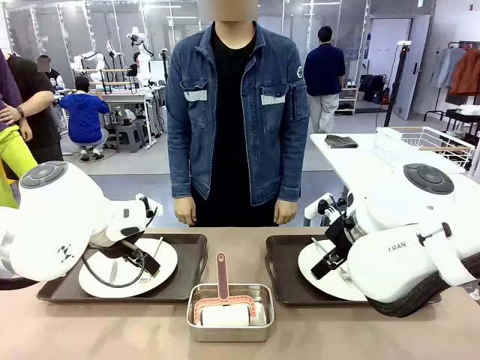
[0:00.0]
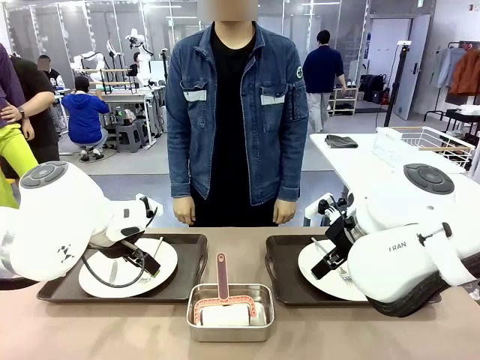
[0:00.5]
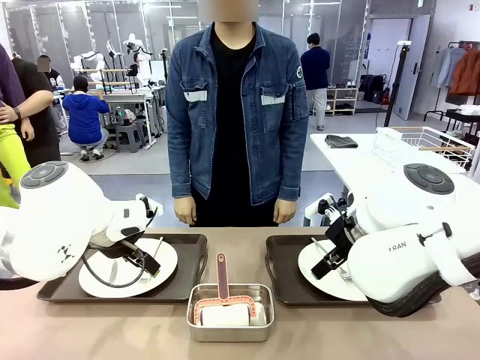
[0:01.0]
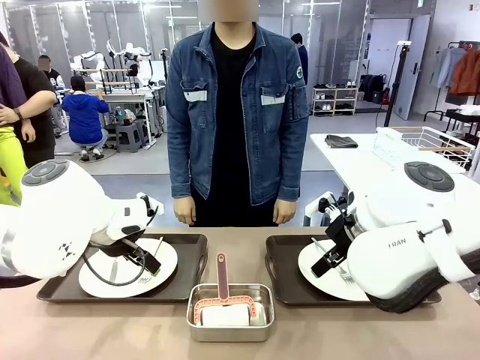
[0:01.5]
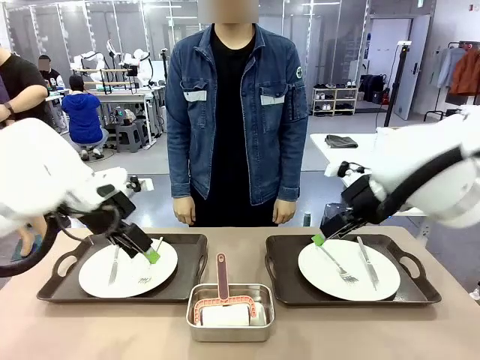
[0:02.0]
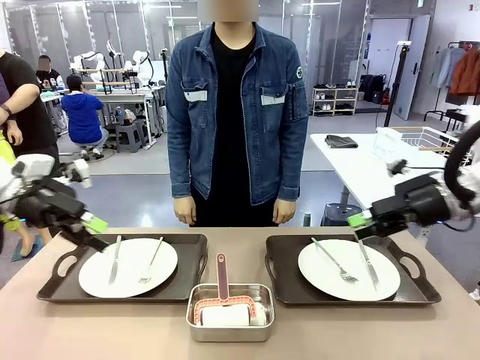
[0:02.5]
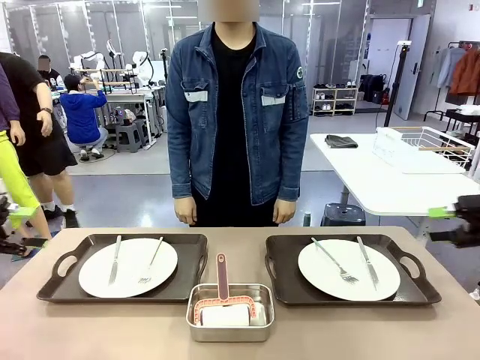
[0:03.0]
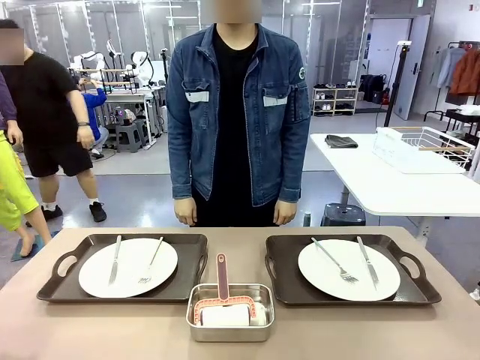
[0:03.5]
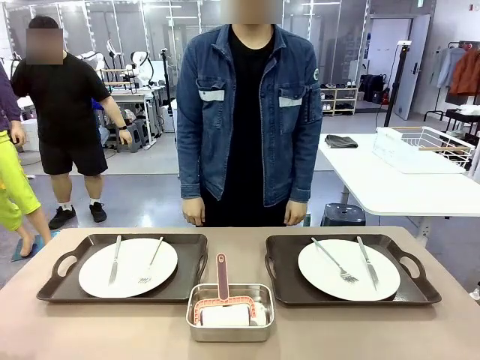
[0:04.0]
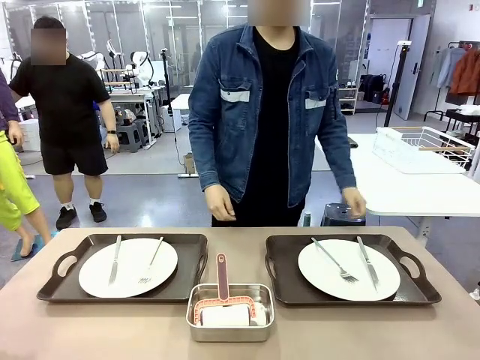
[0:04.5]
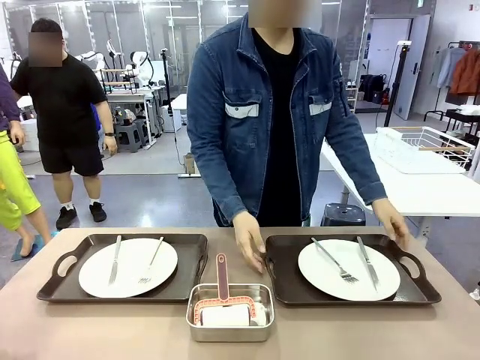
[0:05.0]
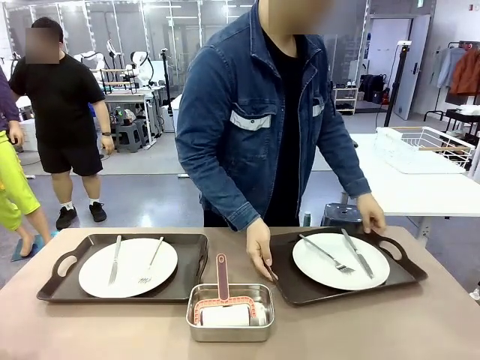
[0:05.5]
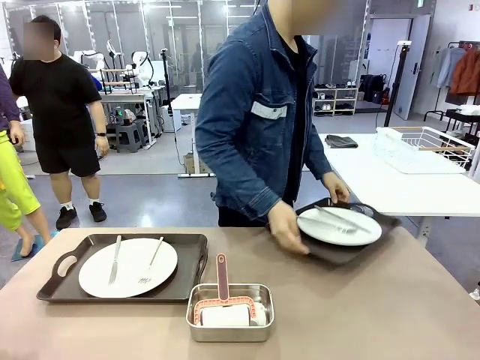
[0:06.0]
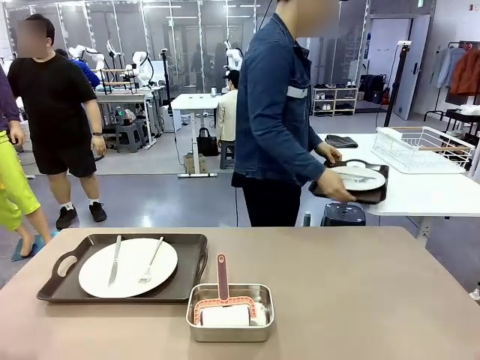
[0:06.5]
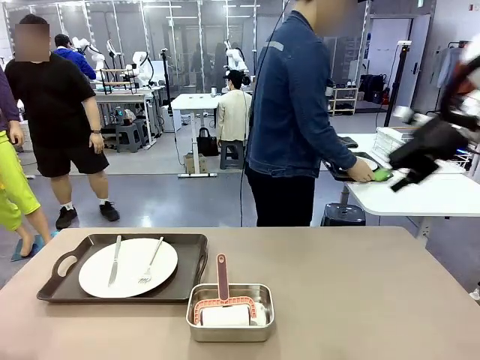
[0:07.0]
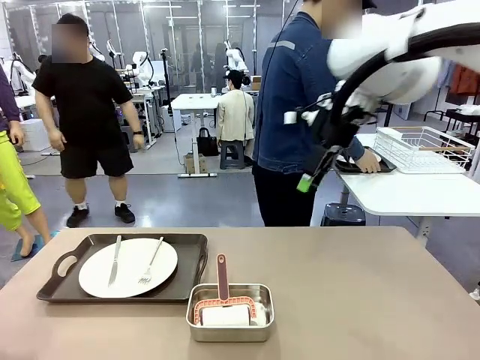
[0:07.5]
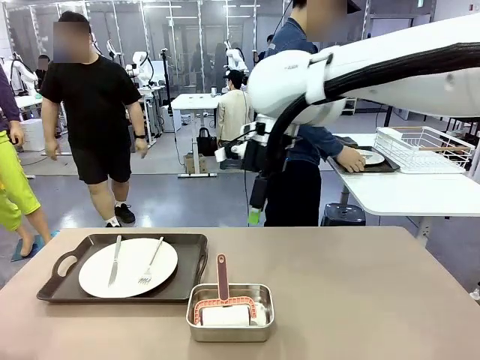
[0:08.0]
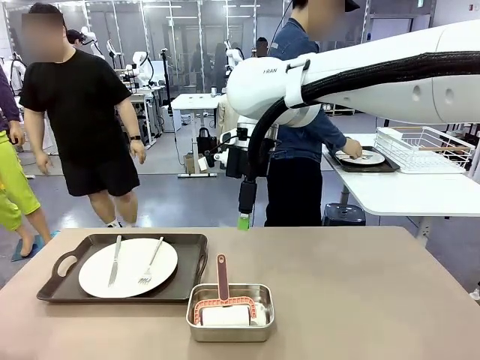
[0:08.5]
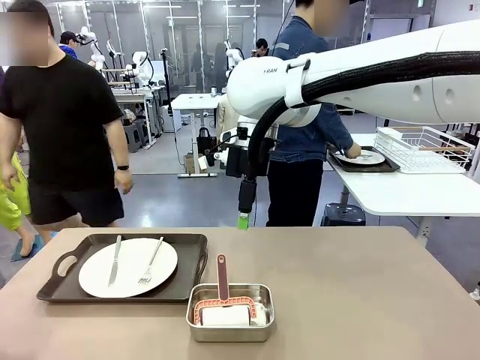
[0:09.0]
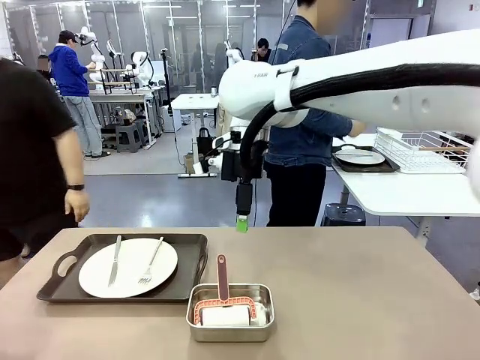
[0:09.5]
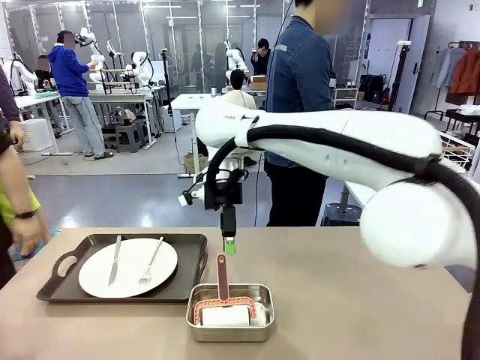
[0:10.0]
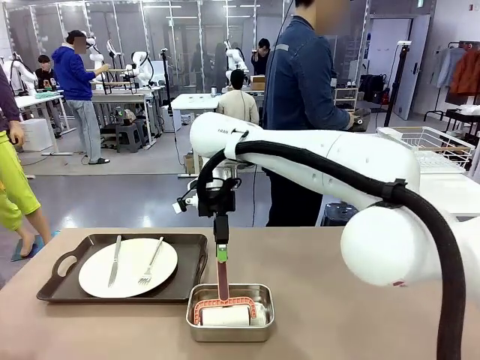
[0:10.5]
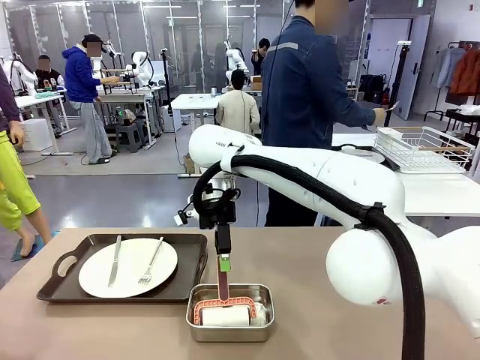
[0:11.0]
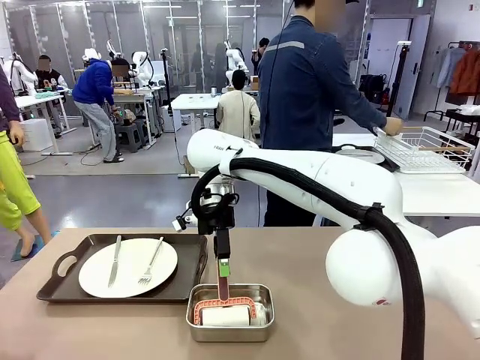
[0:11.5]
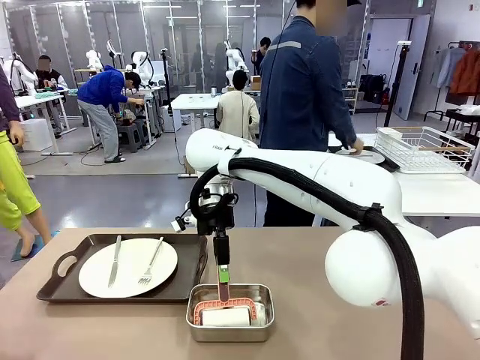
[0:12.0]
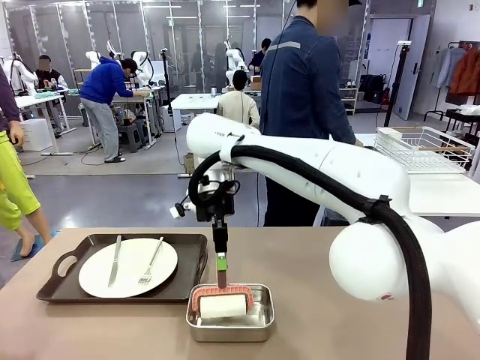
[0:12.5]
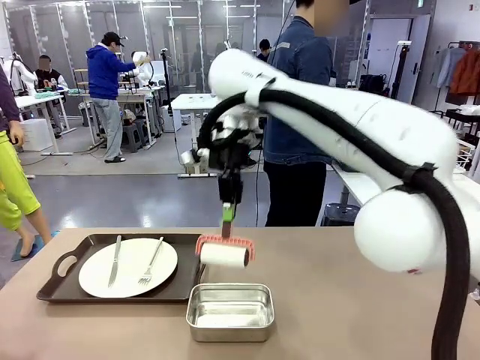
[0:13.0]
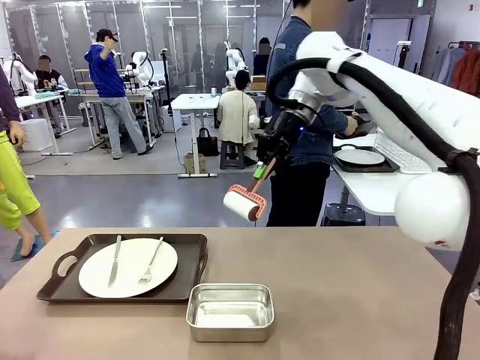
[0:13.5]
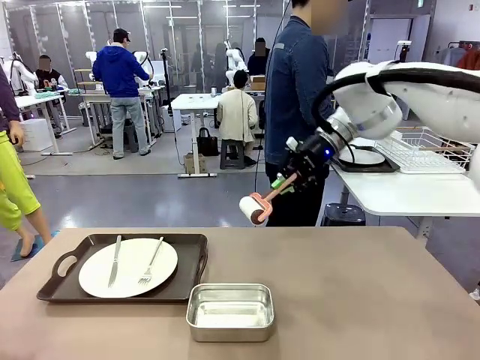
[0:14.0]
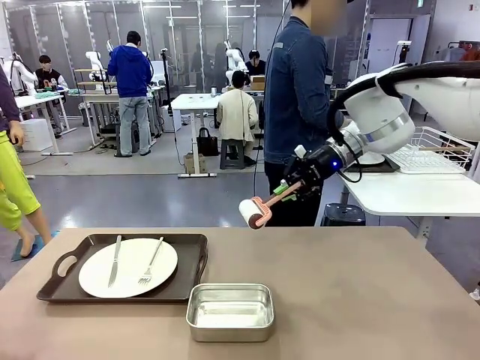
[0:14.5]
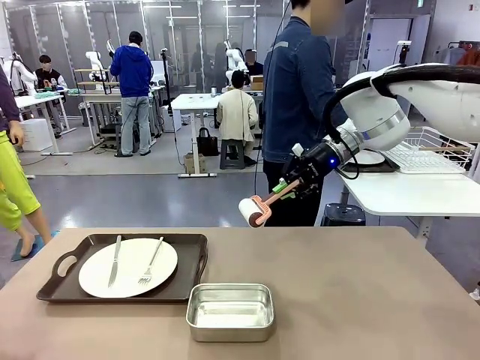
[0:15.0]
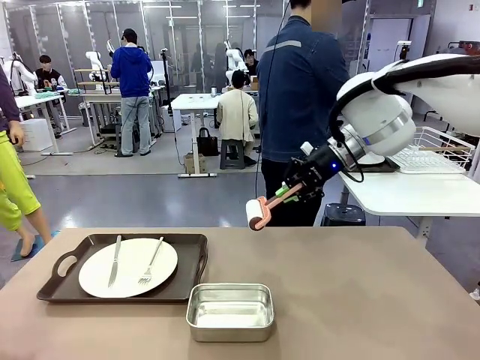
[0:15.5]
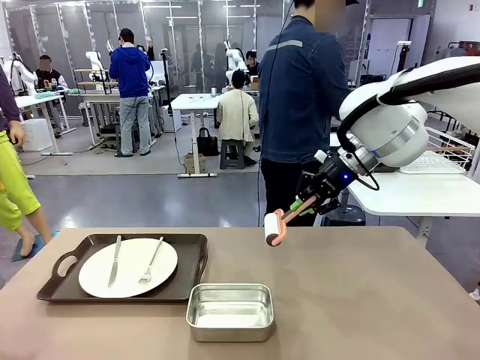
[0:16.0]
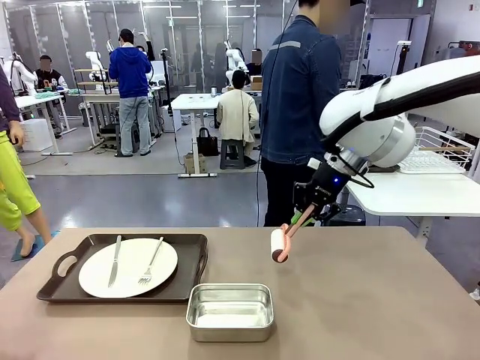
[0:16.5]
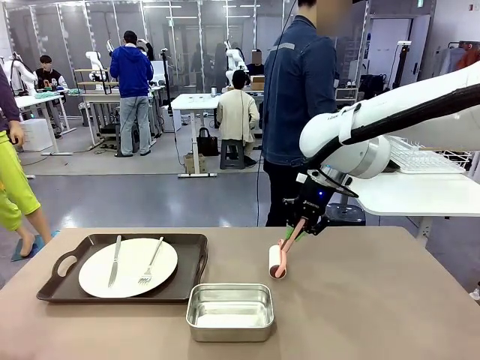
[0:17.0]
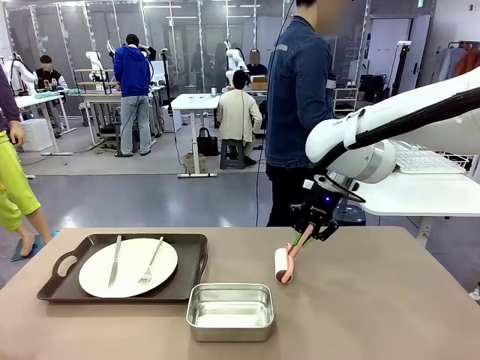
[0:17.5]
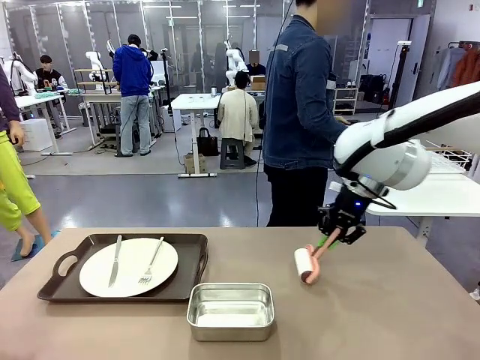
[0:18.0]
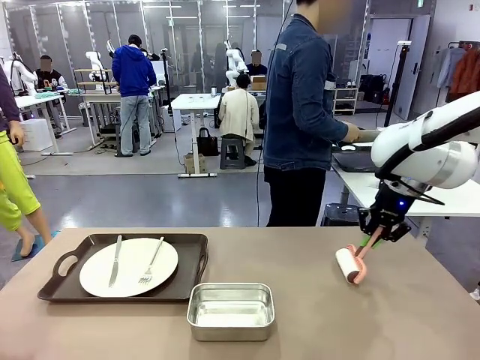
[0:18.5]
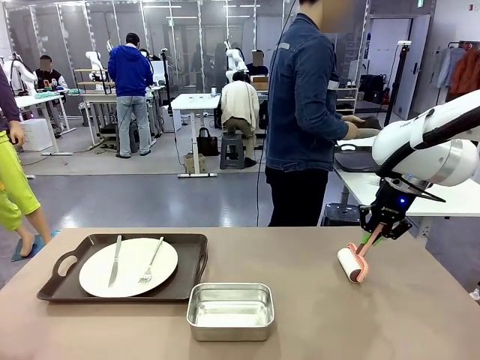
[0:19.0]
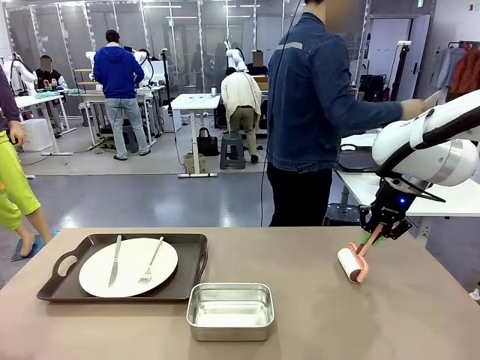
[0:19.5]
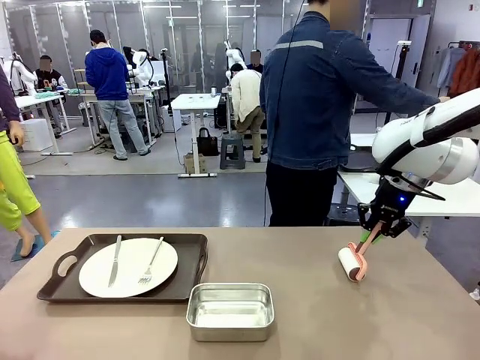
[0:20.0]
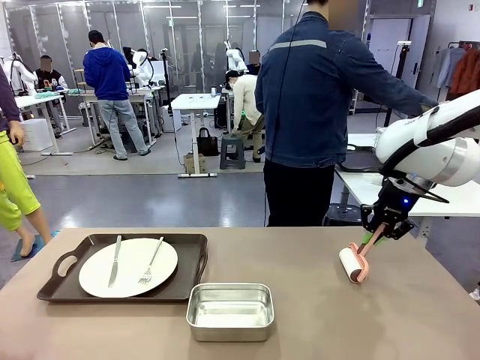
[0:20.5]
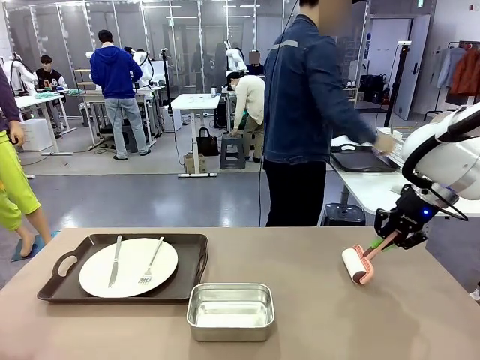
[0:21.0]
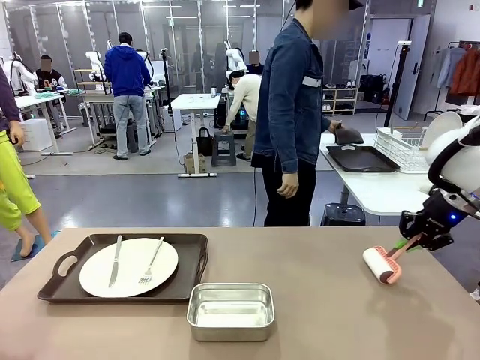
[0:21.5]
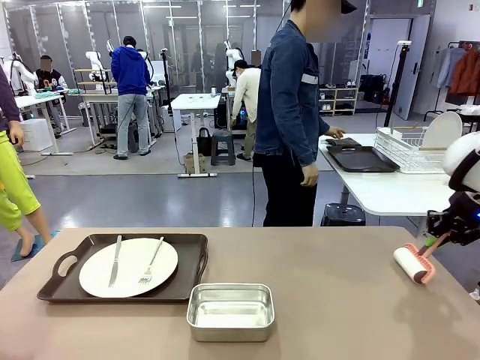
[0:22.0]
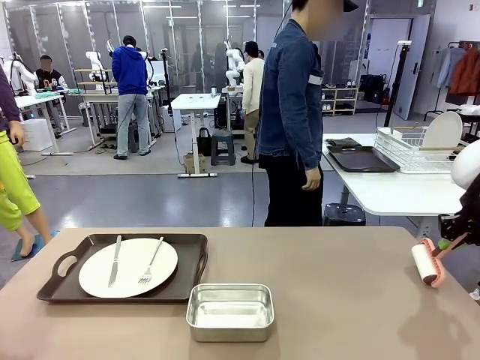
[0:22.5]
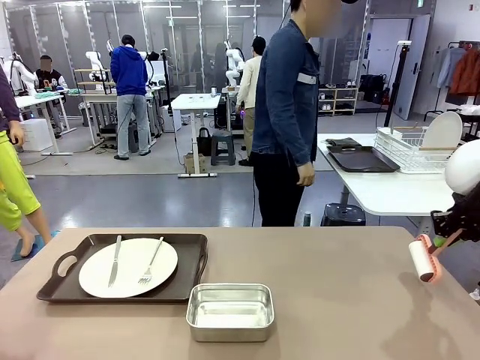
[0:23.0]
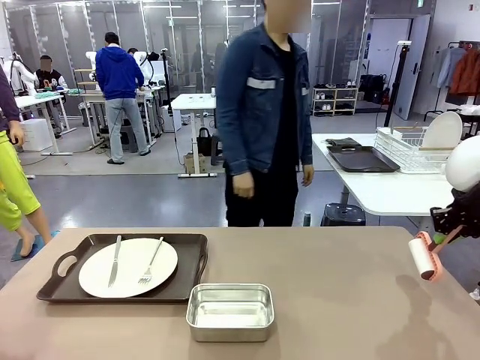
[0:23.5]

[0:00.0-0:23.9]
Robot: When the left (or right) Handle tray is removed, use the left hand (or right hand) to clean the left (or right) side of the table with the Lint Roller.
Person: Pick up the left (or right) Handle tray and place it on the middle of the Human's table. Use the Towel with hook to wipe the Plastic Matte Plate , Fork , and Knife and place into the Dish drying rack.

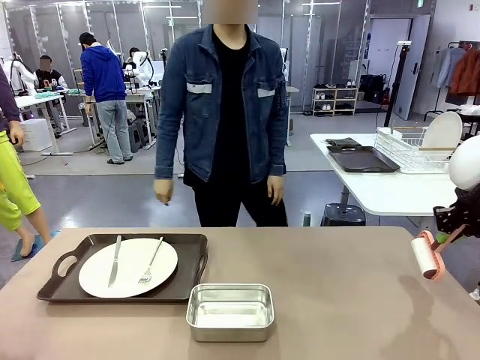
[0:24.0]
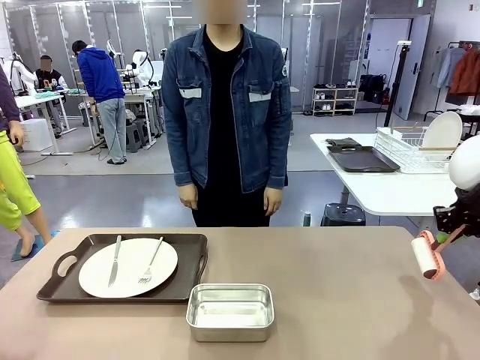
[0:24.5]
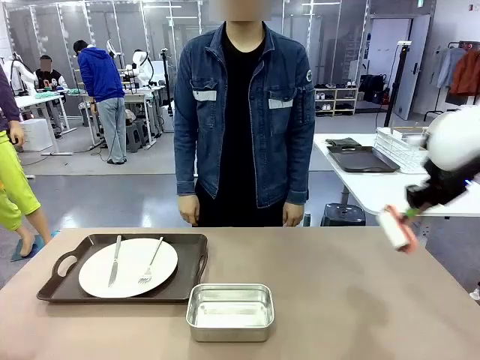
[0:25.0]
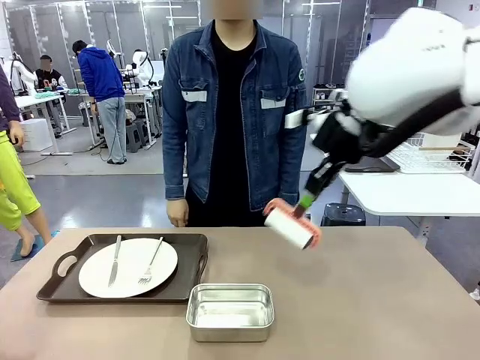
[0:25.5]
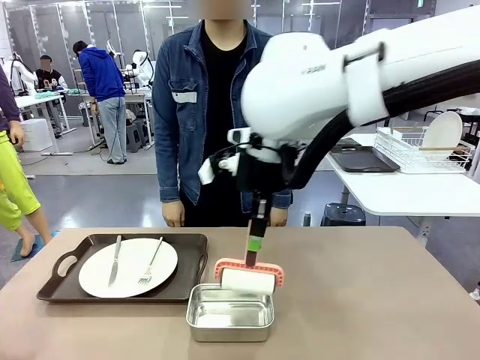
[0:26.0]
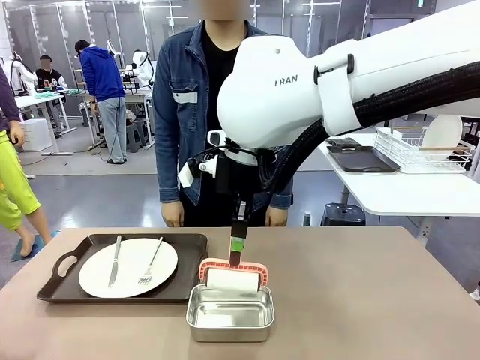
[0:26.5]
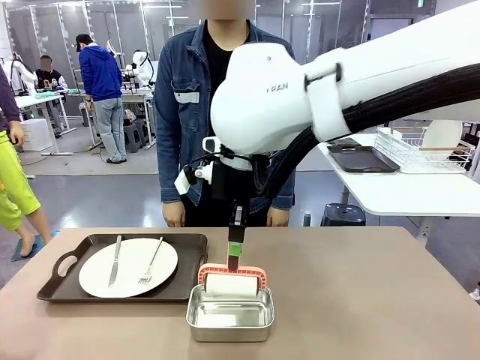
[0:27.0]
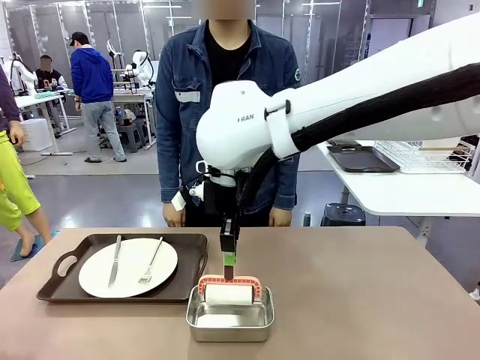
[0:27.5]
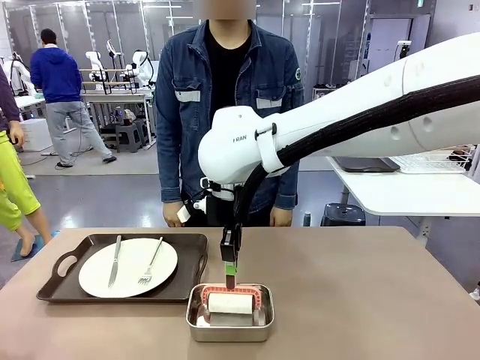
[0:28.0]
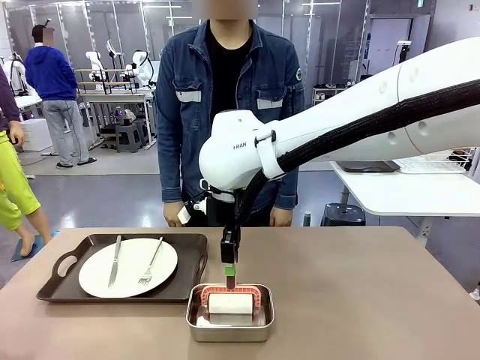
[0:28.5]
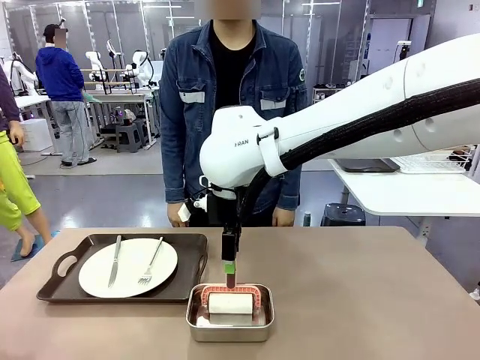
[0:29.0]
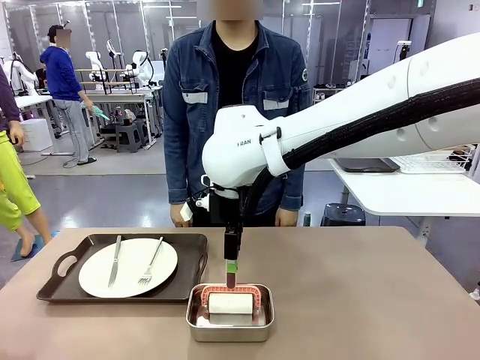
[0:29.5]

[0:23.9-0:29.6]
Robot: Place the Lint Roller back on top of the Airtight Container.
